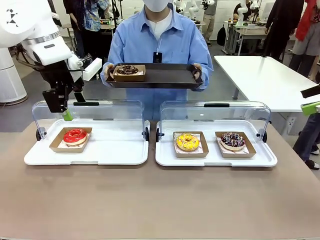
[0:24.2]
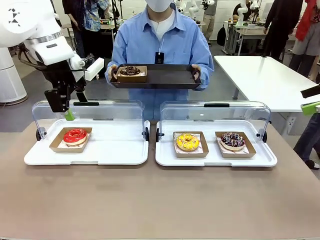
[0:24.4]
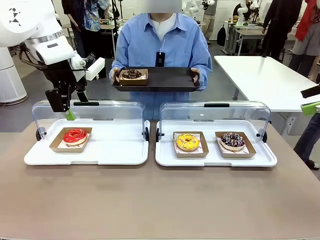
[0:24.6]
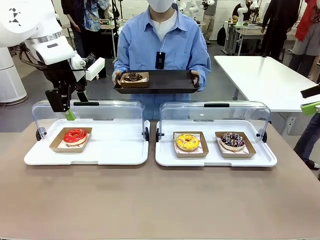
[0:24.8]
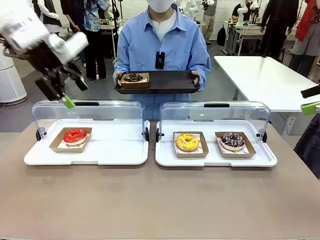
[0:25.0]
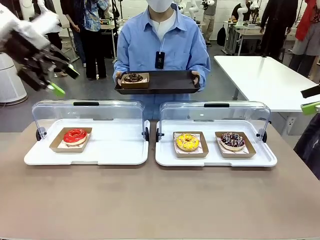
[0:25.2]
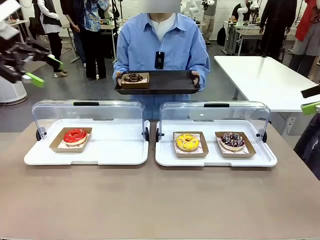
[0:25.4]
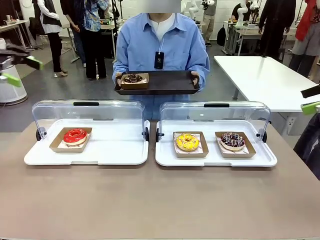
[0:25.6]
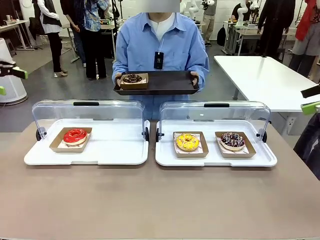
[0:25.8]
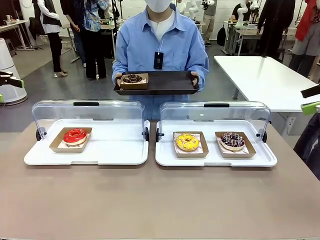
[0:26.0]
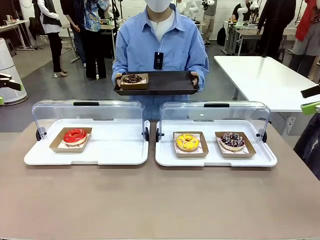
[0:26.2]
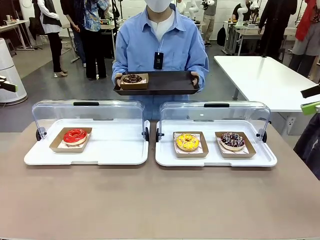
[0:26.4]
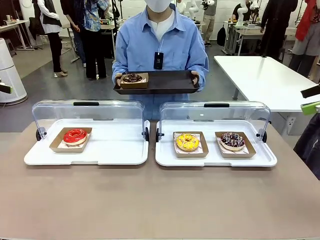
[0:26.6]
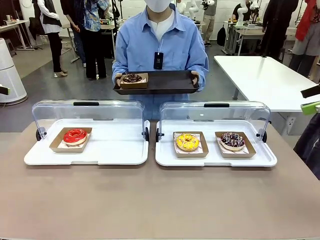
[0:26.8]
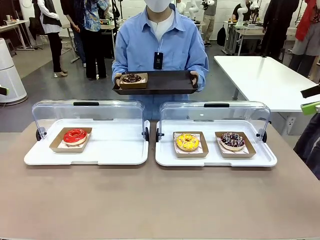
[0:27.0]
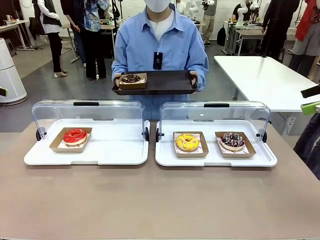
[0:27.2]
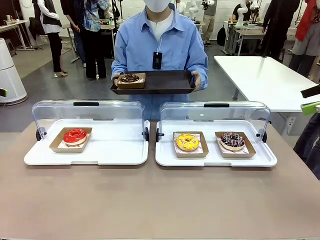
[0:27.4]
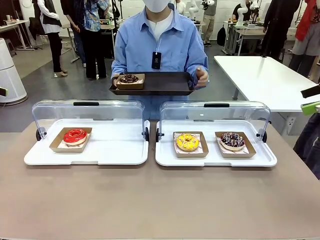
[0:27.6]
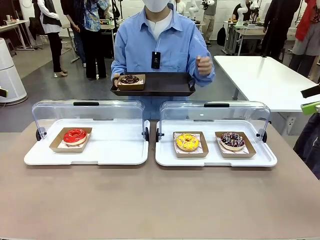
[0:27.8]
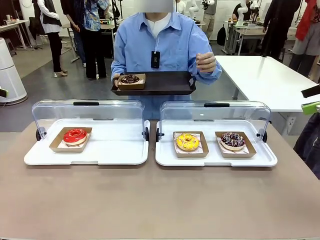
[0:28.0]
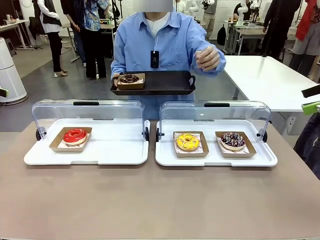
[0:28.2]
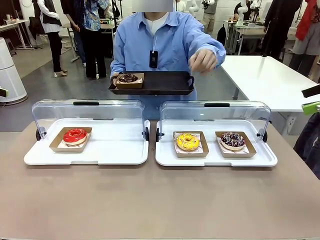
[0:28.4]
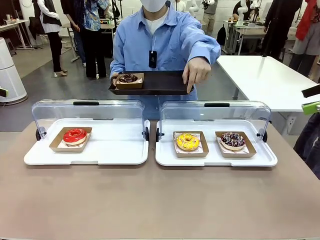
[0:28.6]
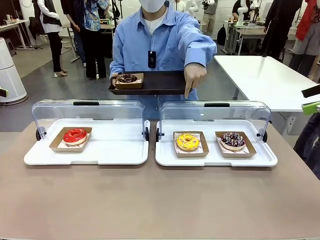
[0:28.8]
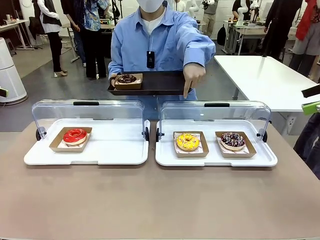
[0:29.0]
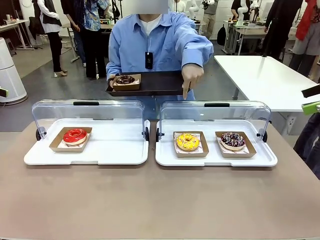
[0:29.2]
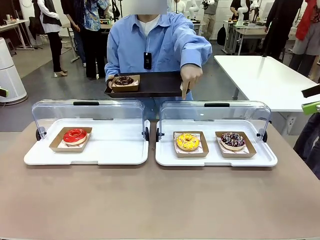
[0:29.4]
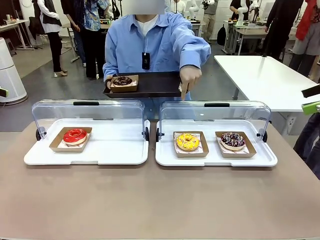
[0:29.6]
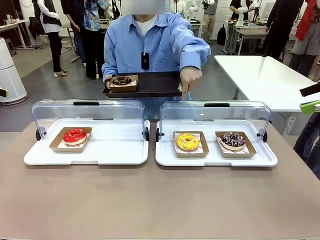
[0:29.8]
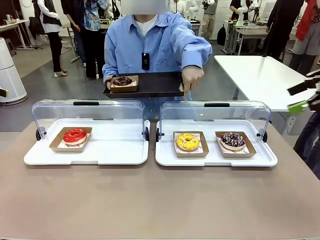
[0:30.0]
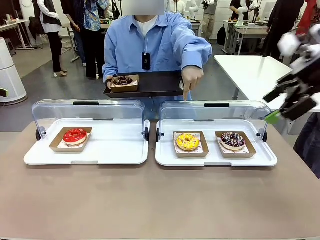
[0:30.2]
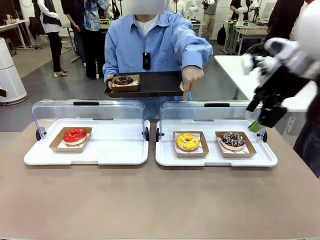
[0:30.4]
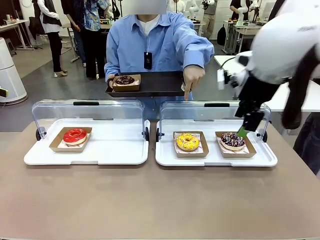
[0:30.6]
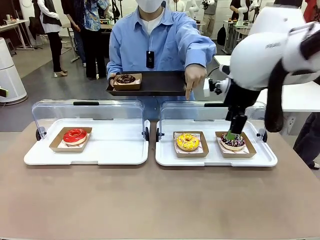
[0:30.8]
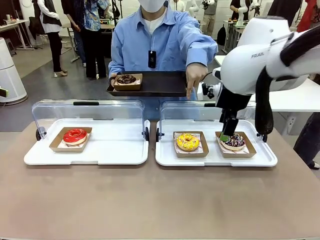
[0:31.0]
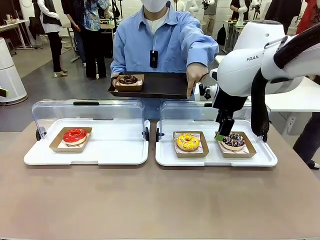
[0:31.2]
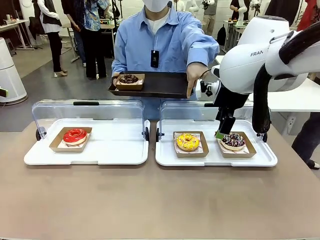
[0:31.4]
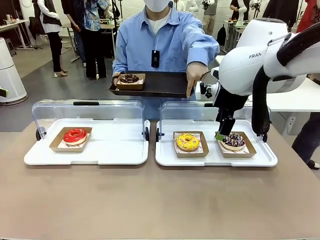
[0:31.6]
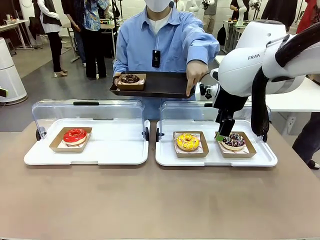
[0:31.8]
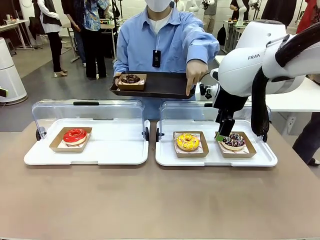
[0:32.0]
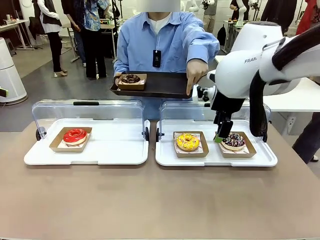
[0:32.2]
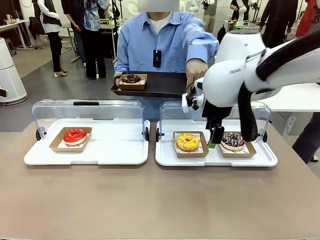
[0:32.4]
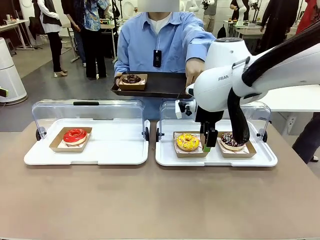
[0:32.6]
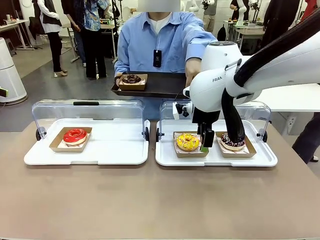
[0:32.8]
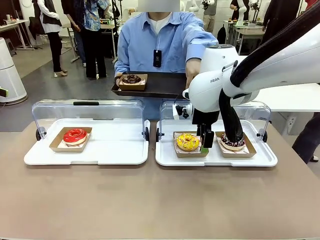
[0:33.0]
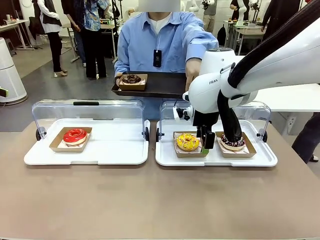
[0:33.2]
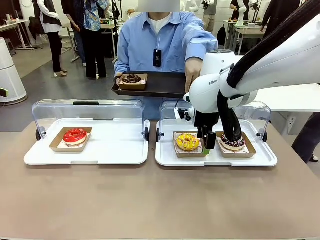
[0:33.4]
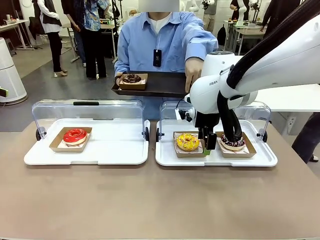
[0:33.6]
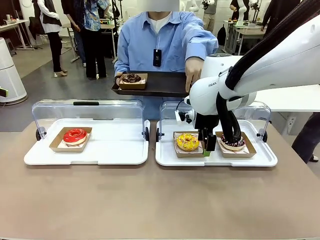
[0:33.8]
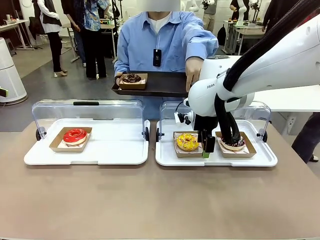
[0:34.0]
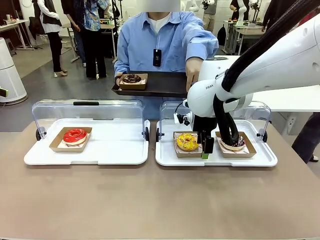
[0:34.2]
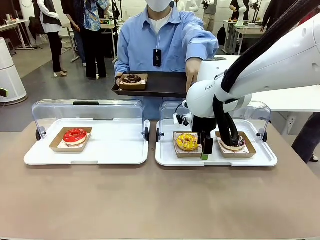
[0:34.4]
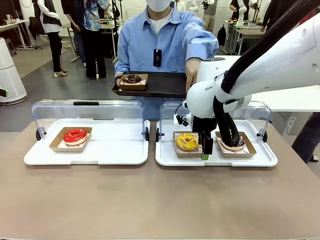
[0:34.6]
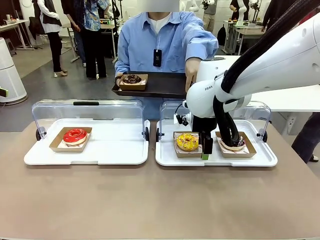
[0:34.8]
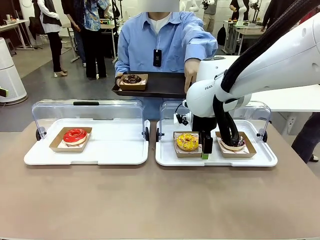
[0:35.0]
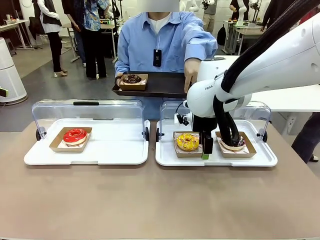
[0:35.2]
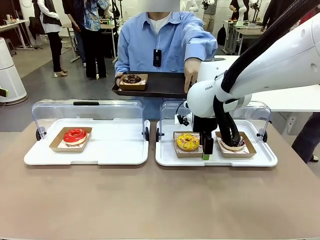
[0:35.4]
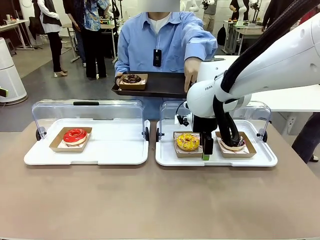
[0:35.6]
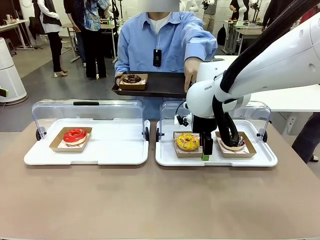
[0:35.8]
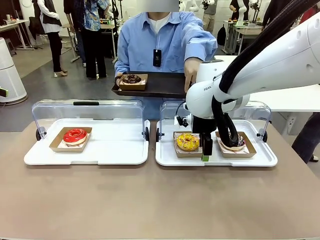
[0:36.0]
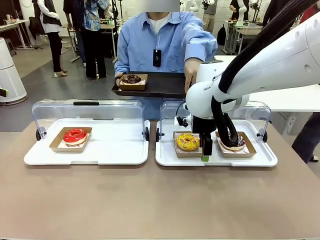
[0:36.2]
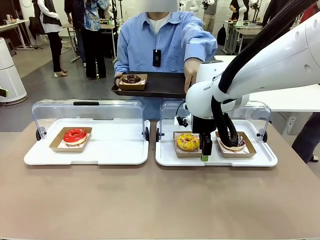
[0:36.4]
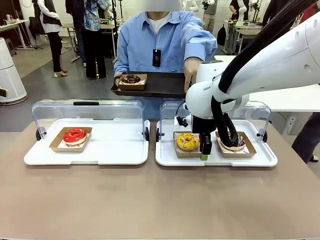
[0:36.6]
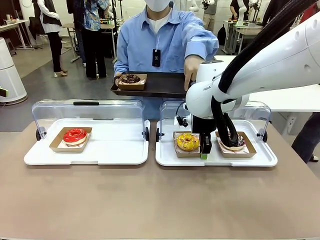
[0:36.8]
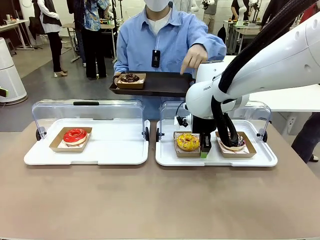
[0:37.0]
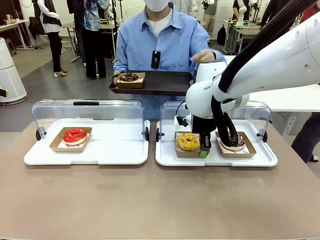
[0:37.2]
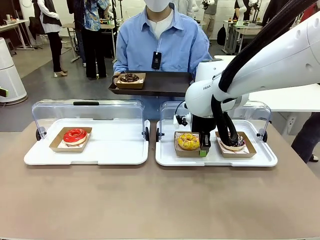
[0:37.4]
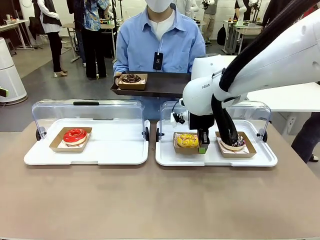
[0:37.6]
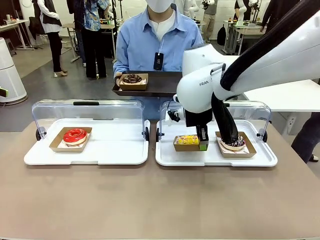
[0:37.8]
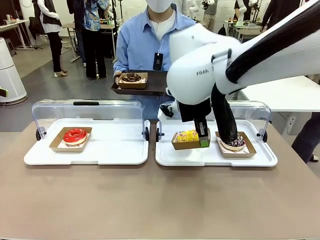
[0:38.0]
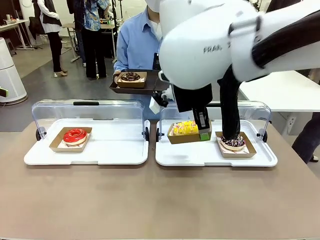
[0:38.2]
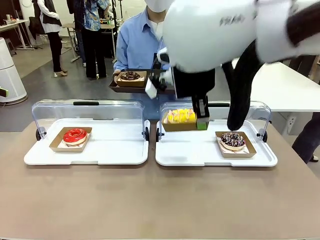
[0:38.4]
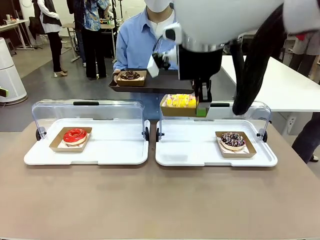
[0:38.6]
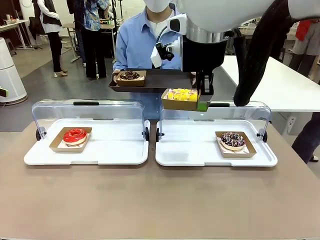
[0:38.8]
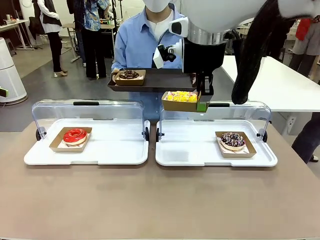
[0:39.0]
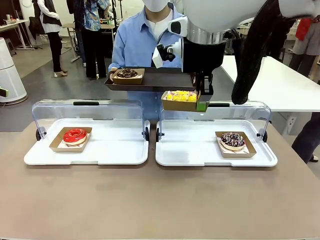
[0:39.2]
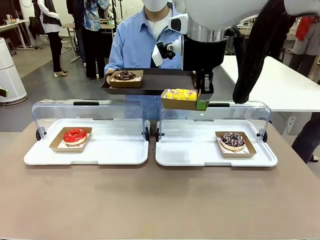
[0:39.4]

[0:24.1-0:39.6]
Task: Provide the desired donut to the person.
Robot: Pick up and lift the Paper togo box containing the Donut pointed at by the person.
Person: Point to one donut. Lift the tray onto the Roll-Top Bakery Case.

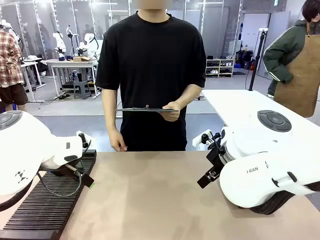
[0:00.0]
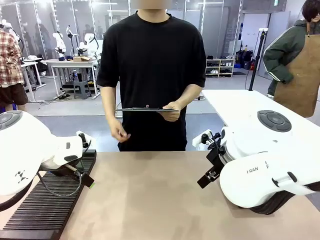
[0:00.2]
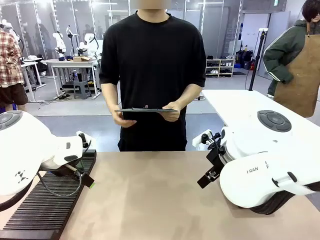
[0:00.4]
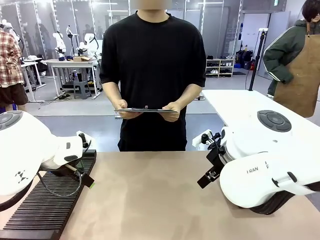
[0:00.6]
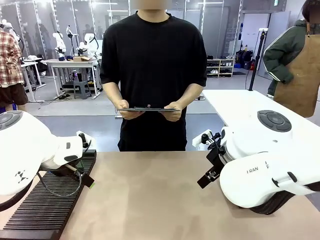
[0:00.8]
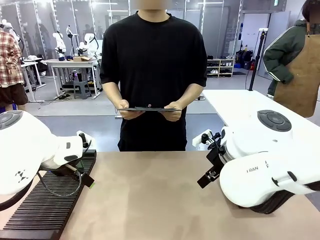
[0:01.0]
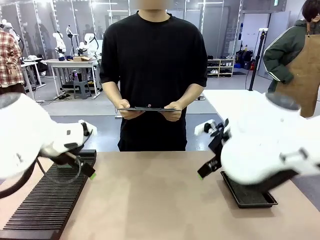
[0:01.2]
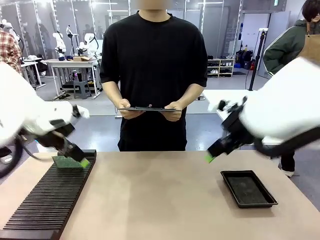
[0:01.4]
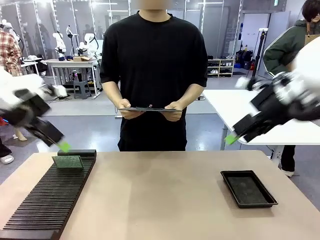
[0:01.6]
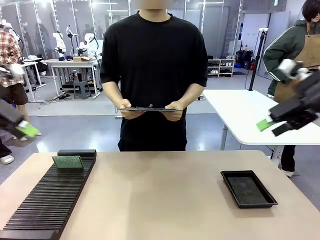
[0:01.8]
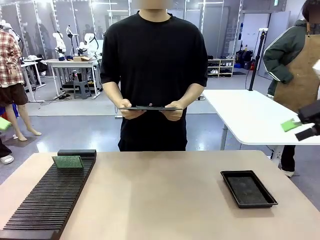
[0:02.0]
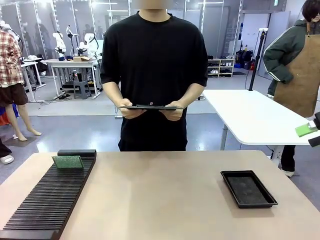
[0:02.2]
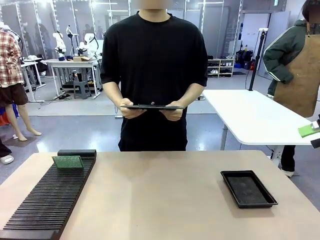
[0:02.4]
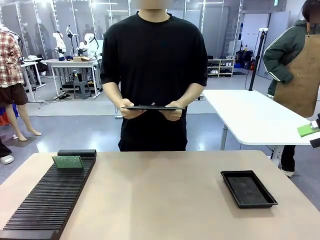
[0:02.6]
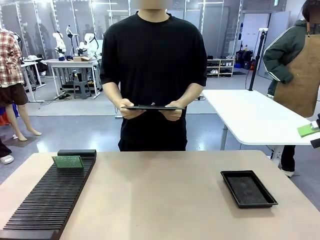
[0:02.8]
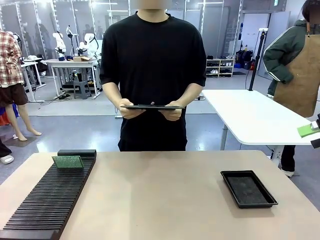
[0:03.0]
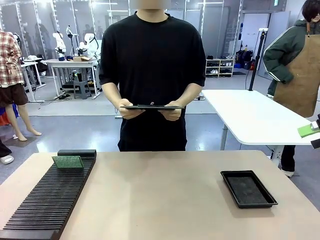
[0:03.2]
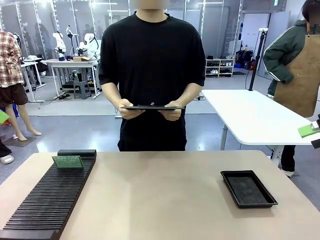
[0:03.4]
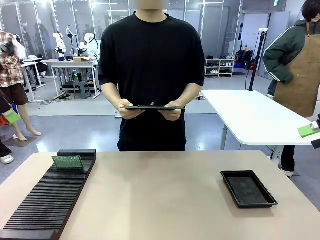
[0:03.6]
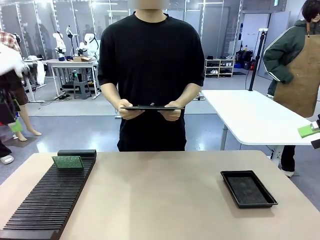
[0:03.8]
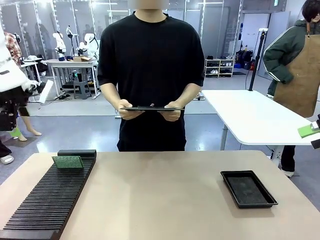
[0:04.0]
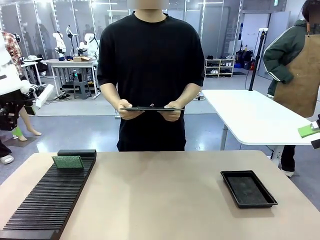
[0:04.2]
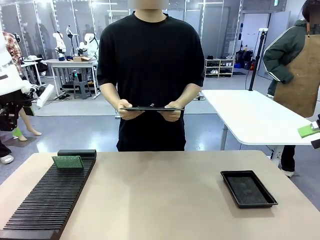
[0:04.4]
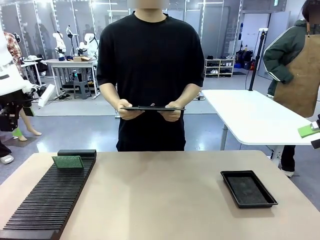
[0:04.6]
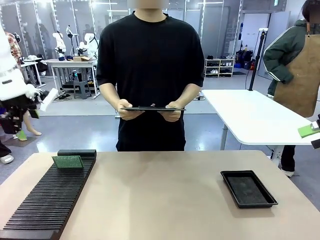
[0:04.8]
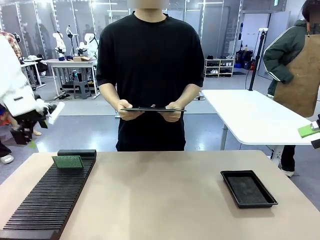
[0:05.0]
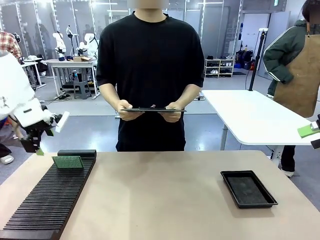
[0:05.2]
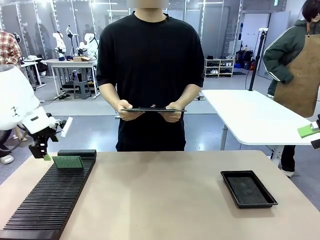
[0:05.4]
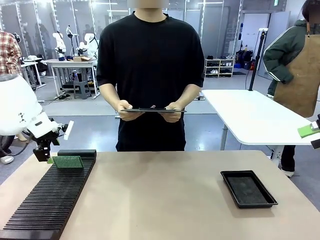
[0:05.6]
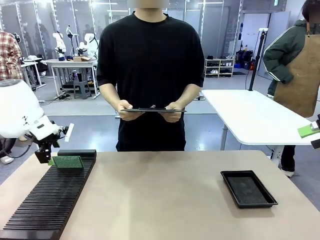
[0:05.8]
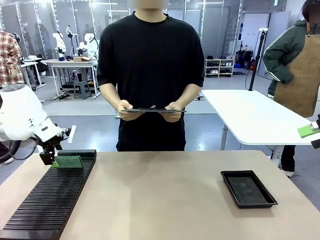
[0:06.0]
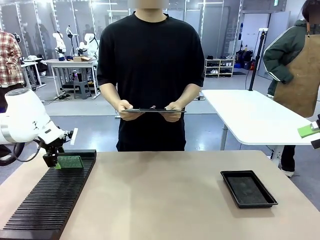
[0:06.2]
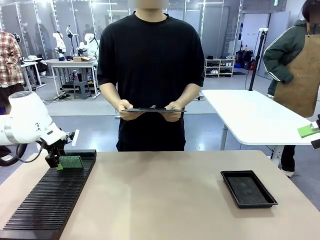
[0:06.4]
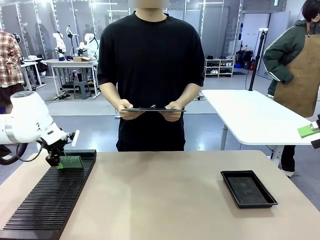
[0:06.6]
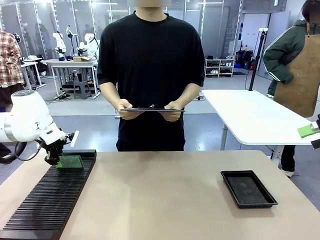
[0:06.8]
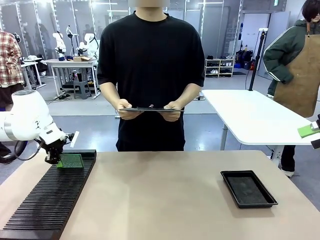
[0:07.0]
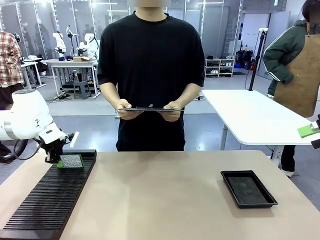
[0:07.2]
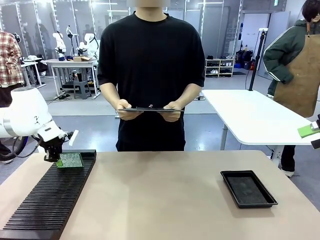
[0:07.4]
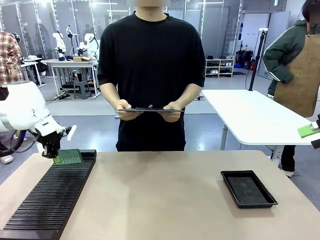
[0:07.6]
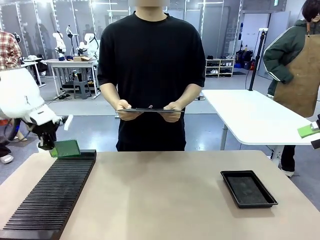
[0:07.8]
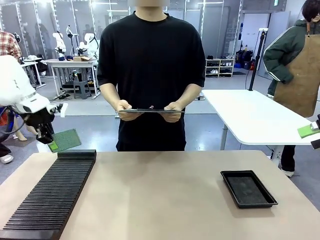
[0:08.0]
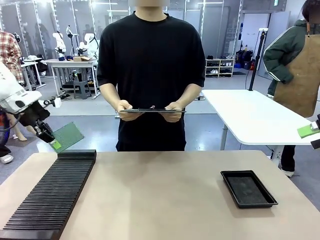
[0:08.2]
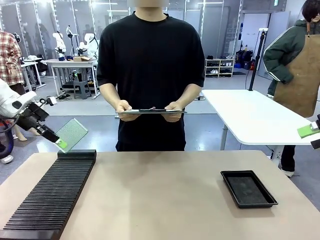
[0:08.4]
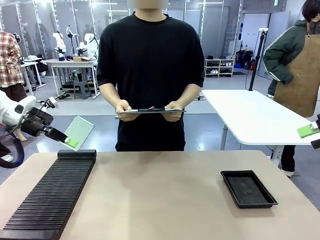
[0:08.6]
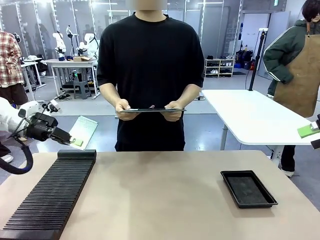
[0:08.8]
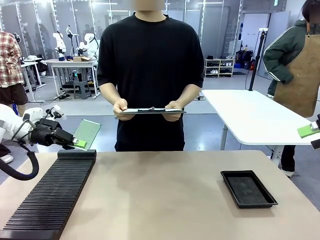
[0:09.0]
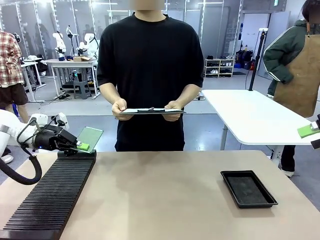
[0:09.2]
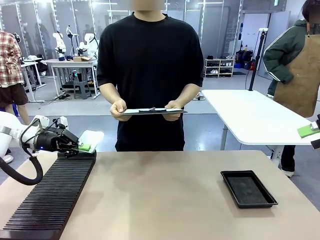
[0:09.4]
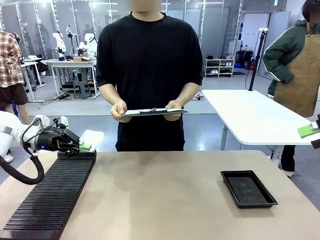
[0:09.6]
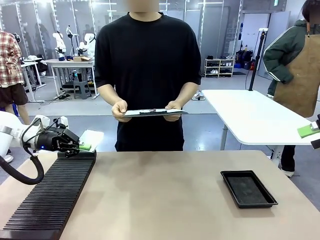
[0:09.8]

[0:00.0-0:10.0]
Task: Inspect the PCB.
Robot: Pick up the Blank PCB and present it to the human.
Person: Pick up the PCB presented by the robot.
